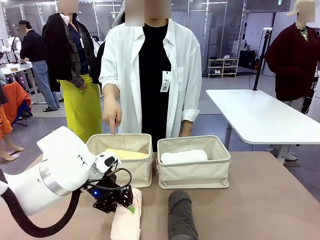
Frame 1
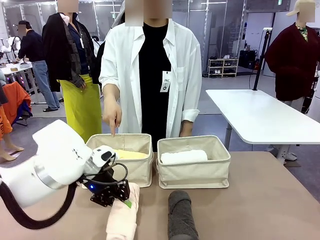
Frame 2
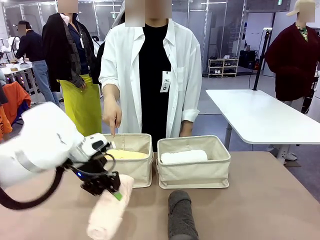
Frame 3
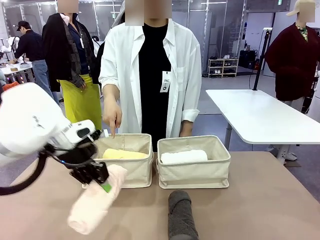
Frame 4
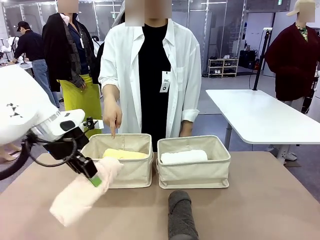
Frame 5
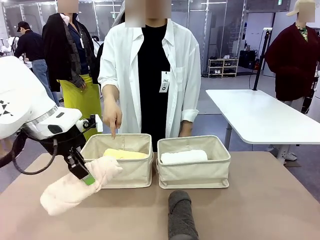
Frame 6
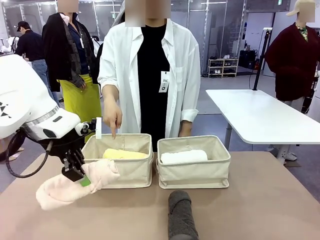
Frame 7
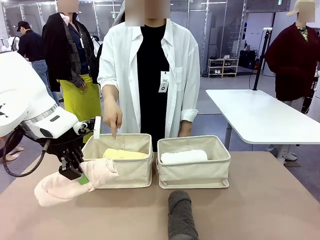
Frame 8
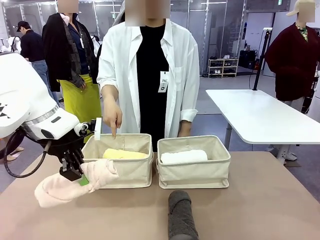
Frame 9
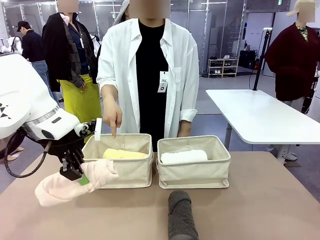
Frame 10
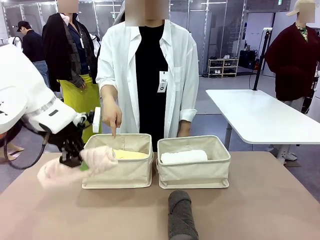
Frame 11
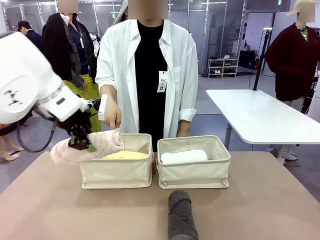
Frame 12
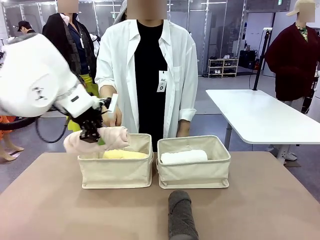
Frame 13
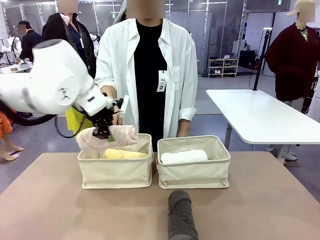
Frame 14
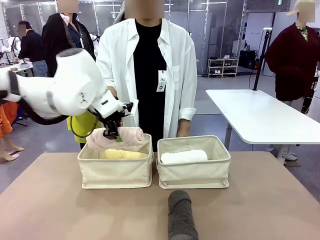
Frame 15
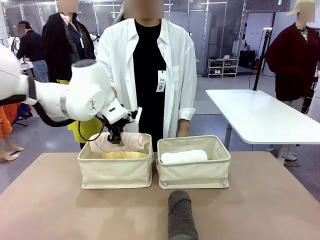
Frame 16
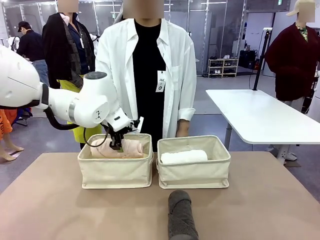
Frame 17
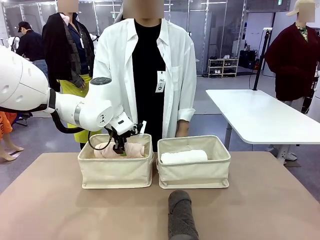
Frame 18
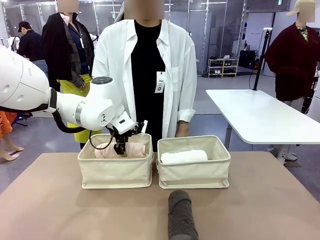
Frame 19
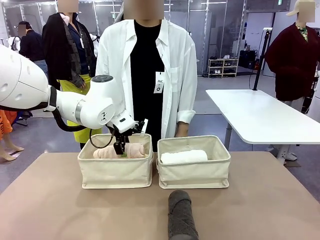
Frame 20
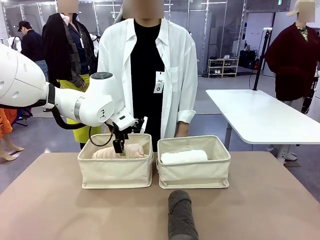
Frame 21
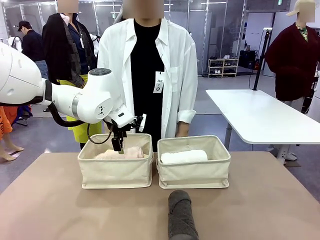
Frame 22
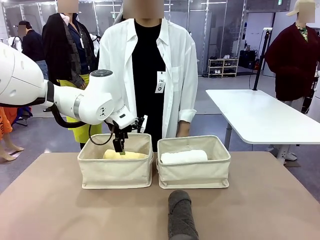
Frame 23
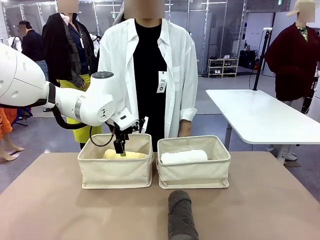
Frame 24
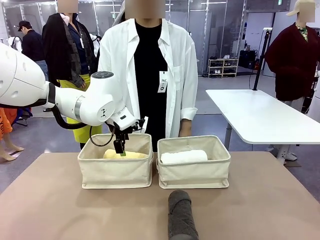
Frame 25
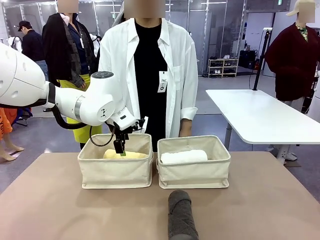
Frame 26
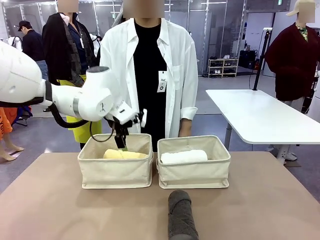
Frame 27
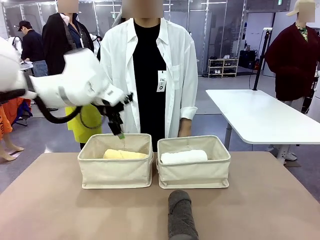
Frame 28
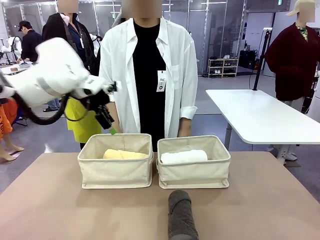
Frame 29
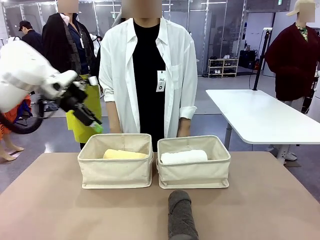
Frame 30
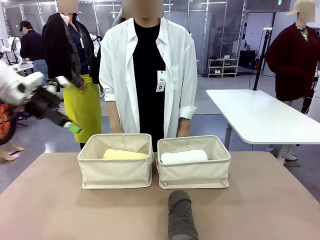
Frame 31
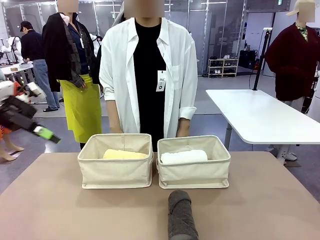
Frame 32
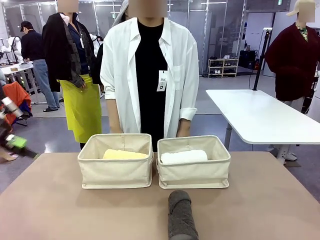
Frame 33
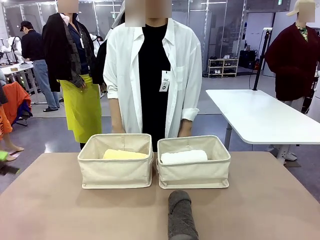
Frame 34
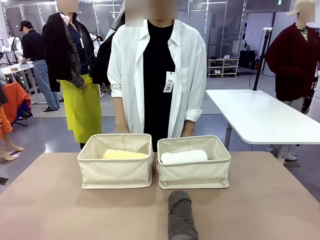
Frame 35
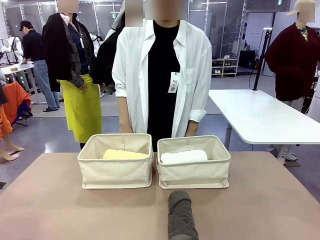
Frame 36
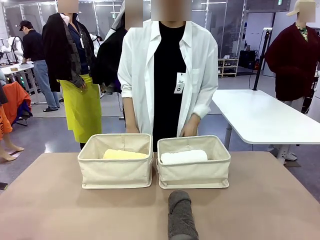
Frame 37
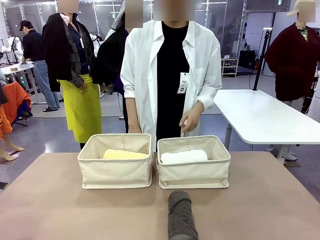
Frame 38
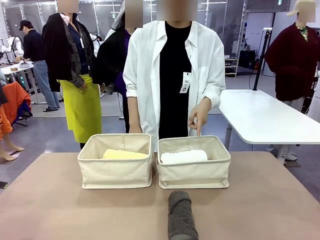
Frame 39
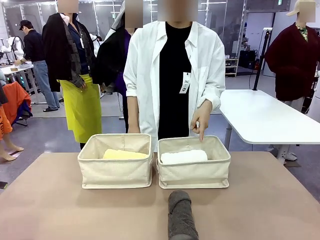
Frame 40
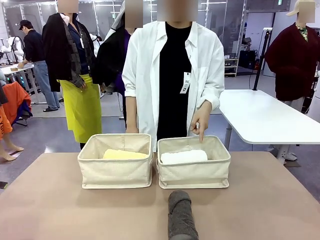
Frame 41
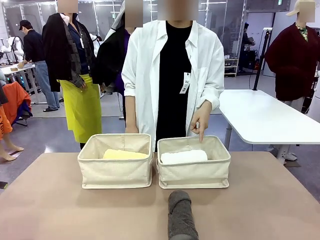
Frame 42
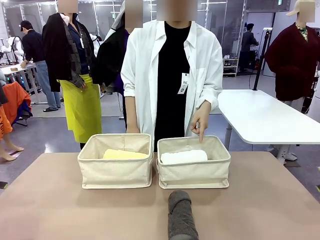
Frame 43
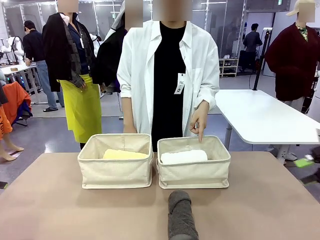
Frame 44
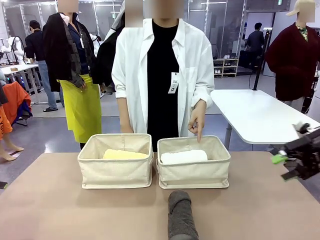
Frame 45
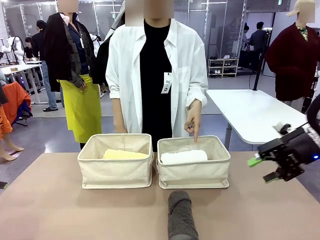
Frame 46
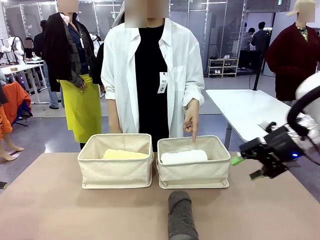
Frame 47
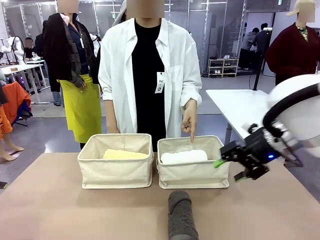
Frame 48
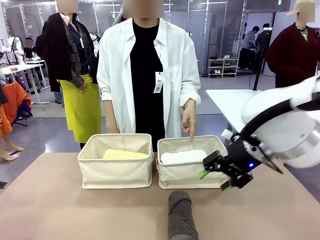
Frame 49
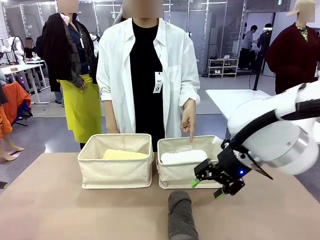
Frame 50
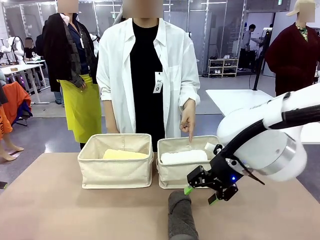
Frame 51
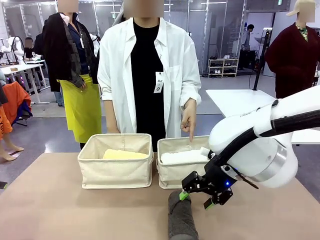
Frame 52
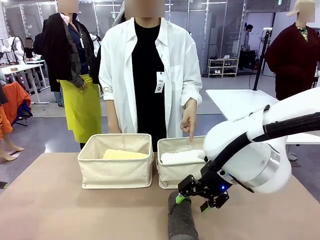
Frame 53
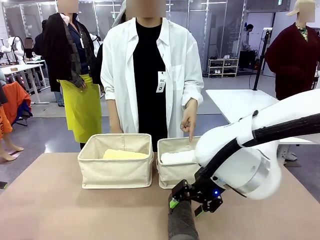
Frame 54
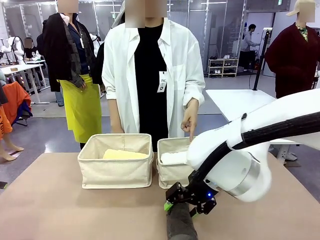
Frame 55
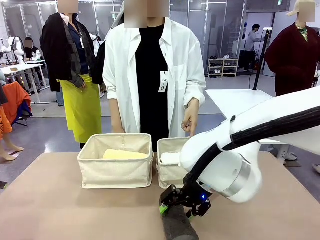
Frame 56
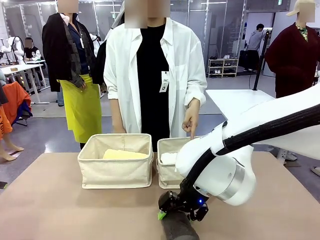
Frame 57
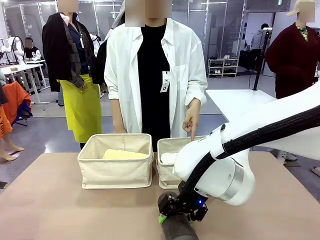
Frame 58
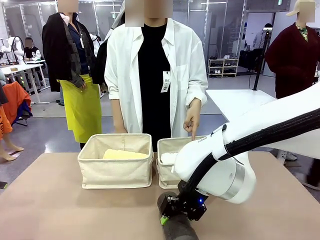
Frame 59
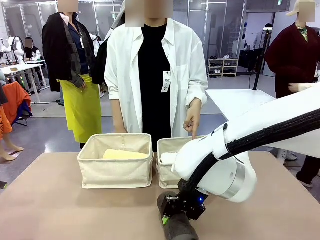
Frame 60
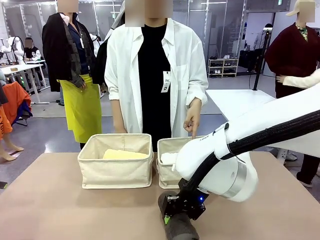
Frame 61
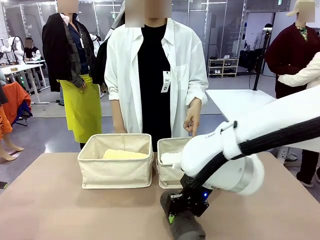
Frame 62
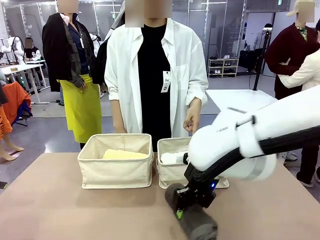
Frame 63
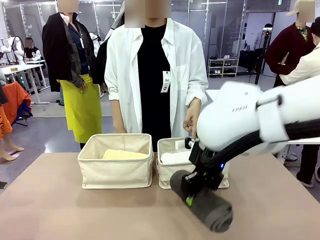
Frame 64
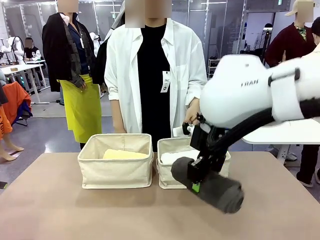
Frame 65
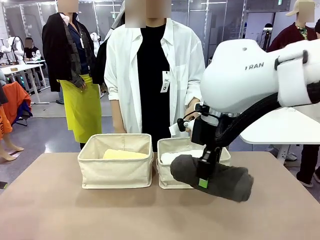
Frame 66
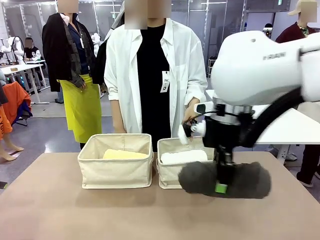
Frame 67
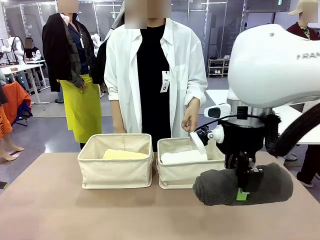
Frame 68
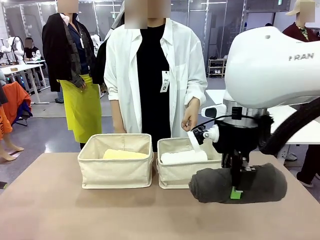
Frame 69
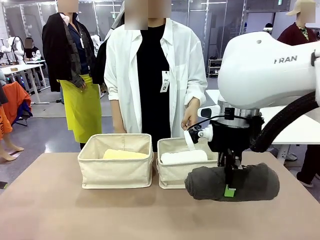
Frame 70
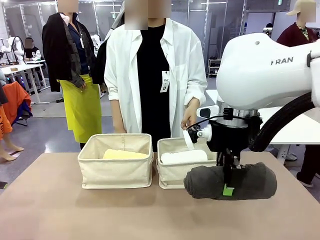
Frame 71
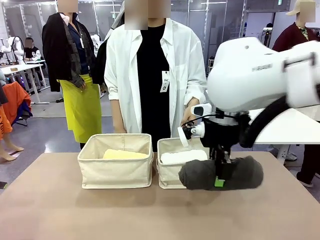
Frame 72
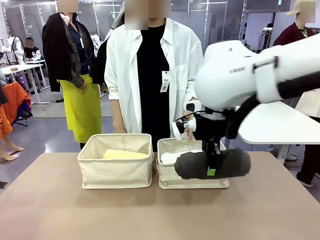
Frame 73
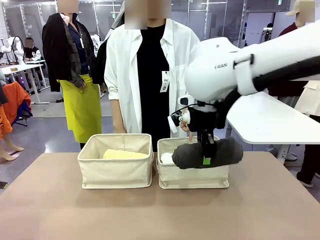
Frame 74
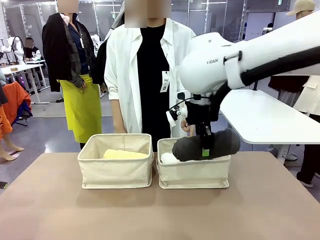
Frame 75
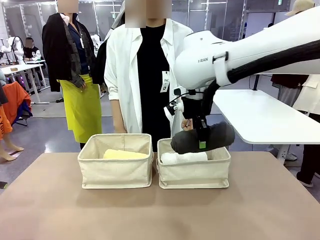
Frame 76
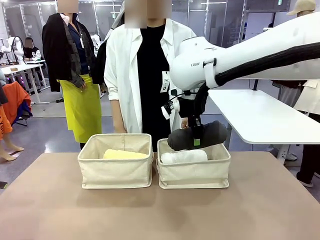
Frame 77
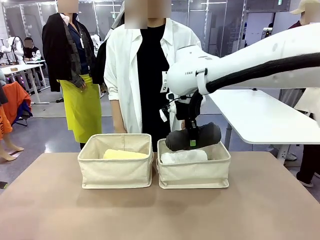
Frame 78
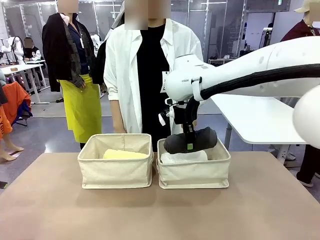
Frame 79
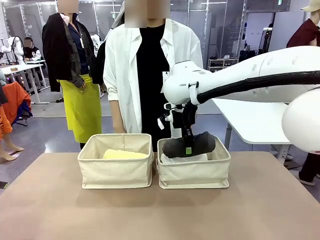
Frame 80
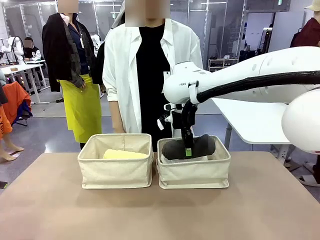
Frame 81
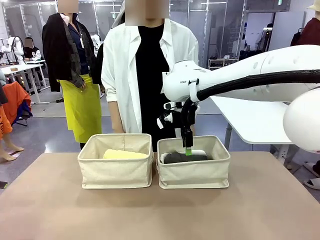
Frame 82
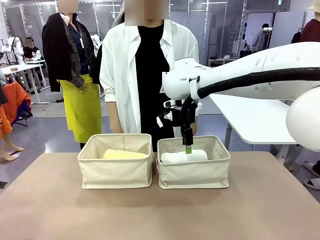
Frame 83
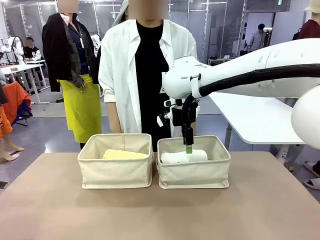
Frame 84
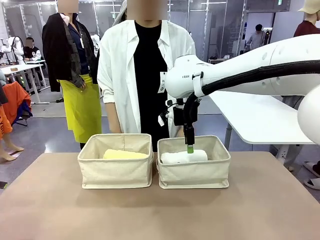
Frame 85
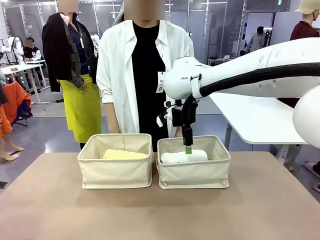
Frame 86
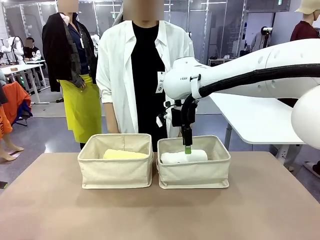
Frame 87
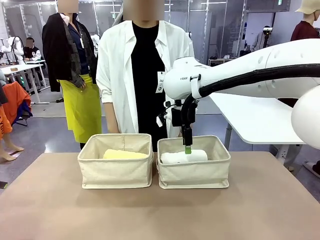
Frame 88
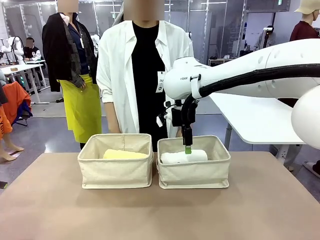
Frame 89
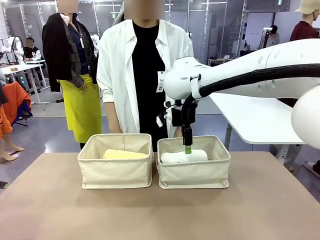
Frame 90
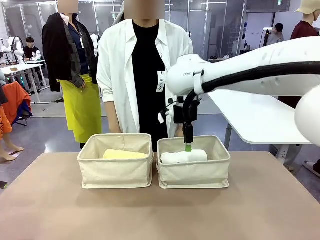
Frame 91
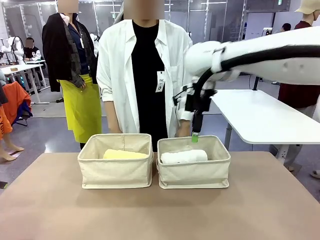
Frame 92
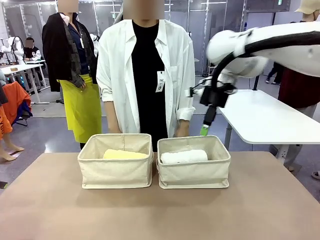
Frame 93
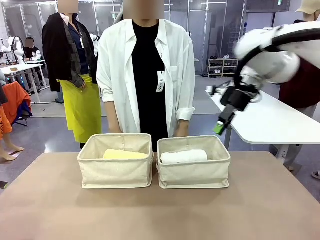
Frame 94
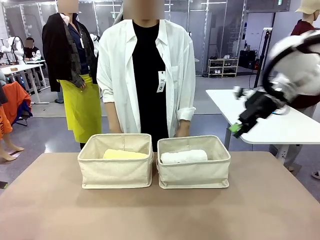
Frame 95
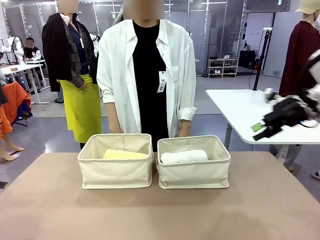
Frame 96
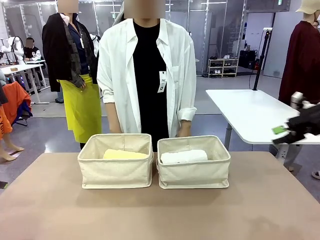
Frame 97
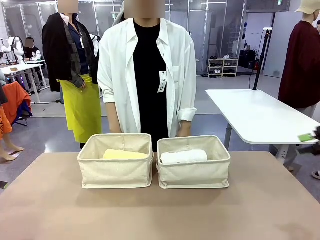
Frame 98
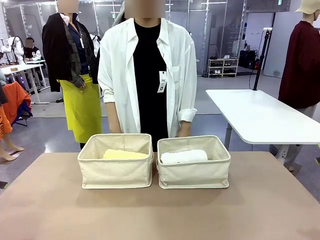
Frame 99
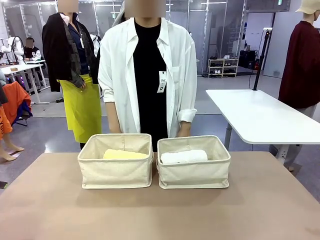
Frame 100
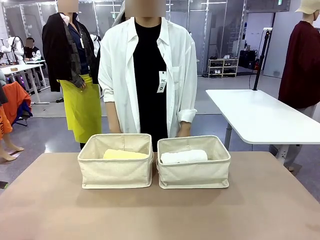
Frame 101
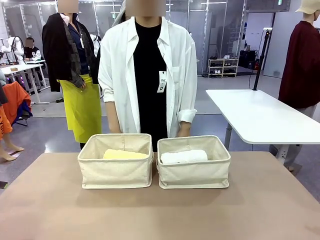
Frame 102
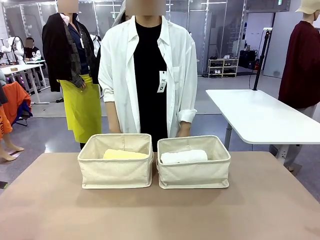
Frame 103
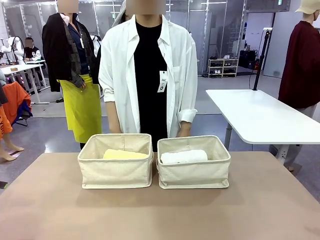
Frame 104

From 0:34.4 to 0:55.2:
Task: Divide the towels into two baskets.
Robot: Pick up one hotel-folded towel from the bottom of the table and place it in the Fabric basket indicated by the person.
